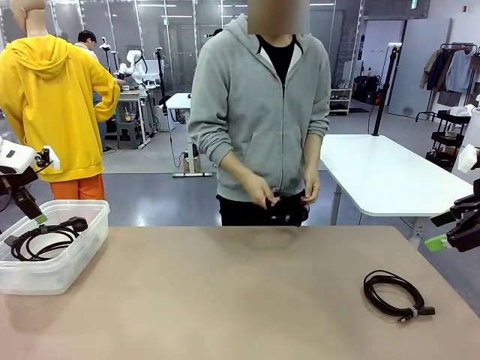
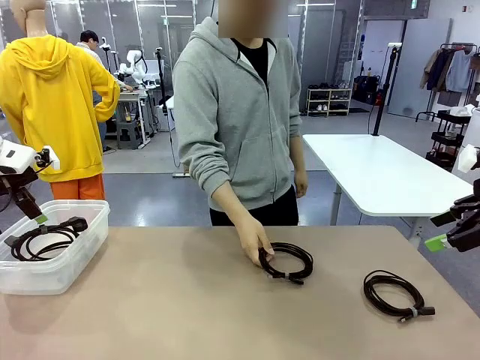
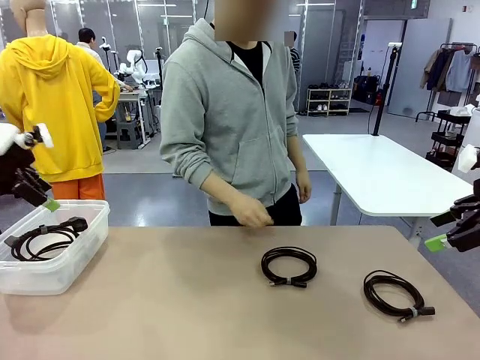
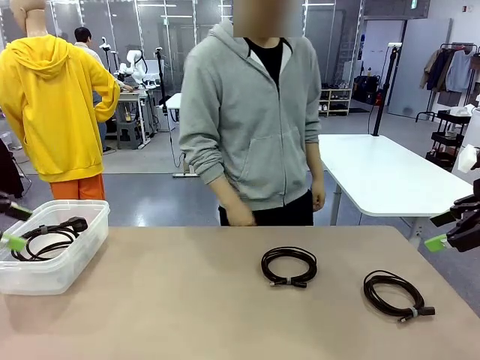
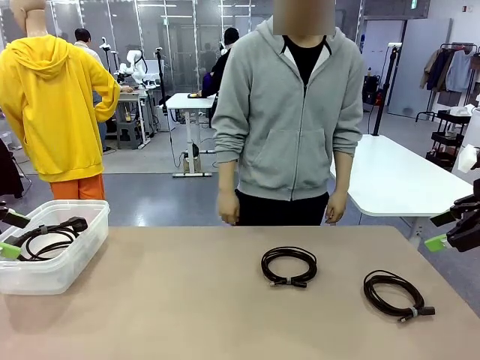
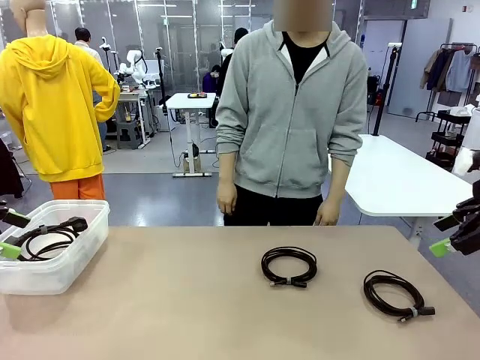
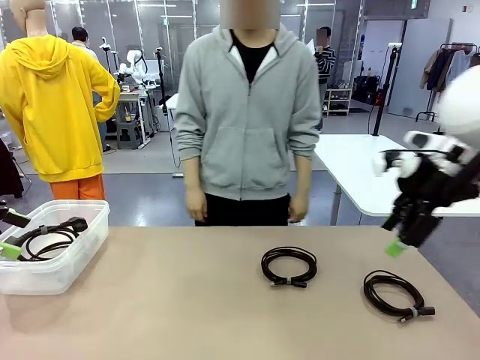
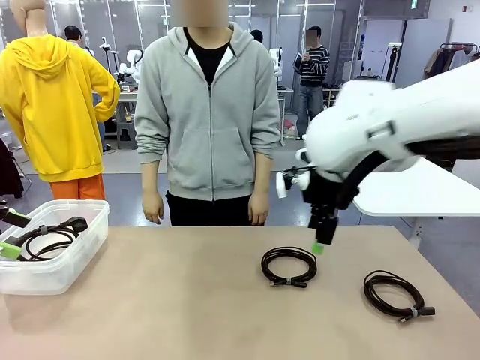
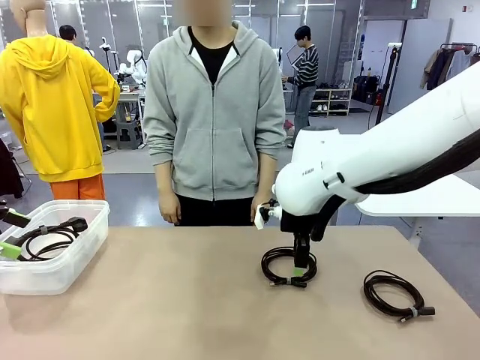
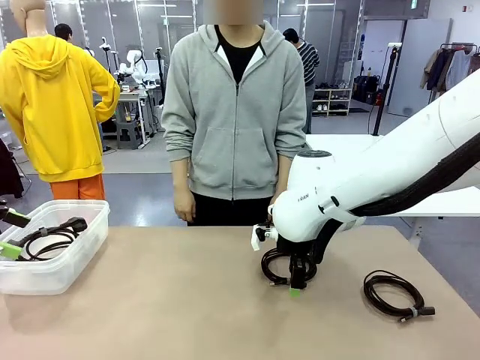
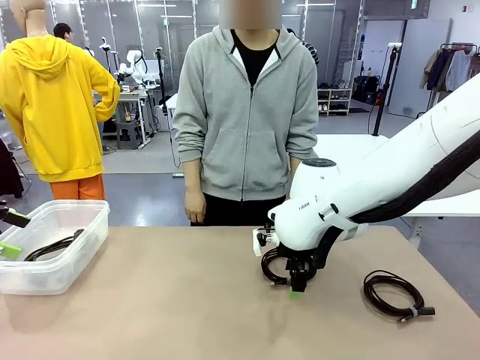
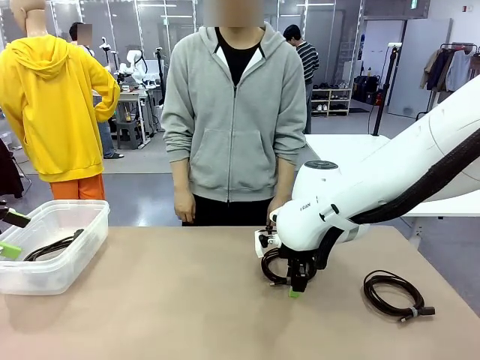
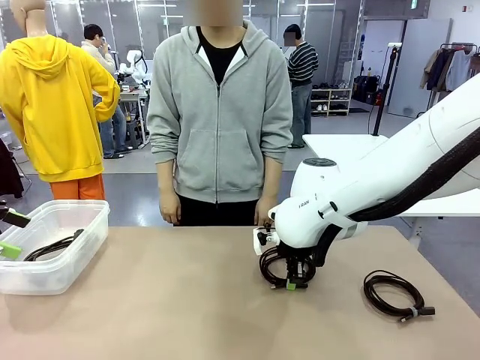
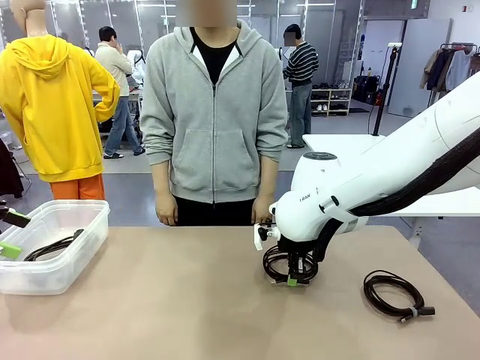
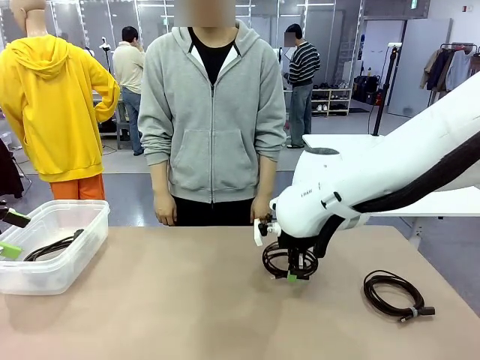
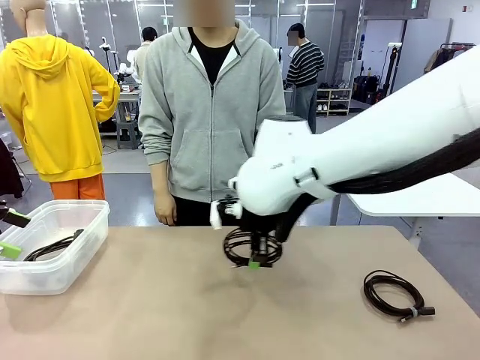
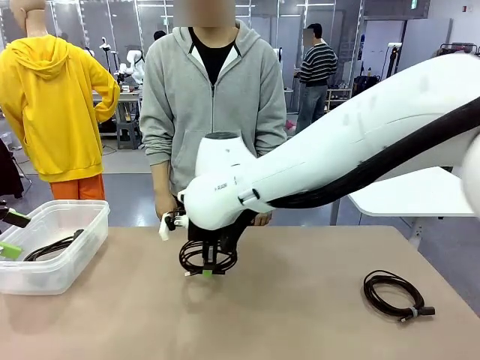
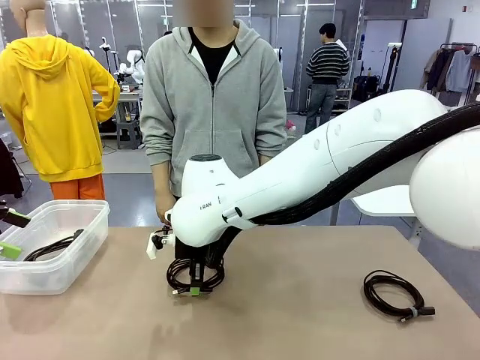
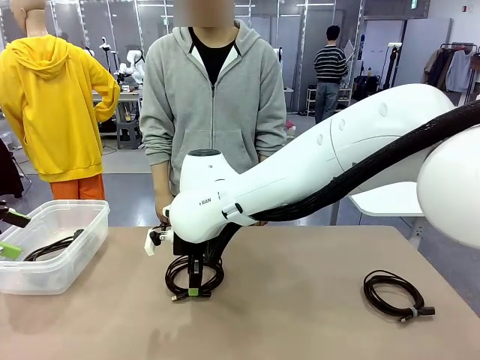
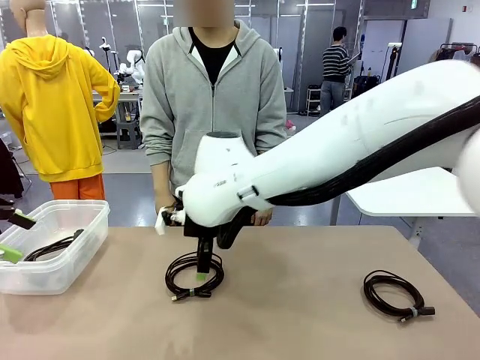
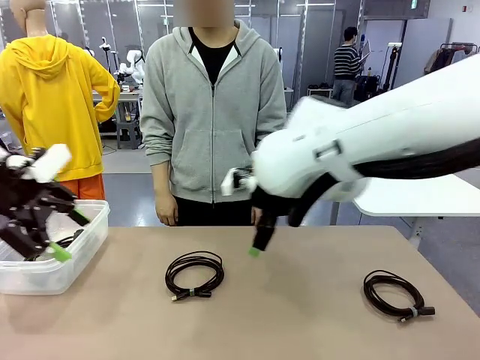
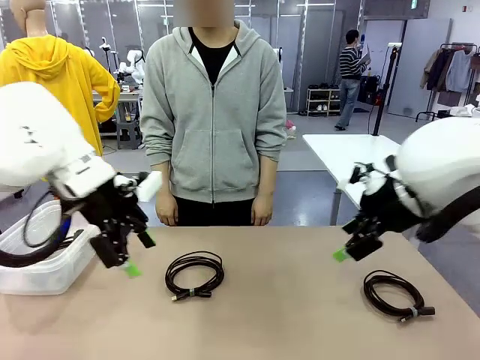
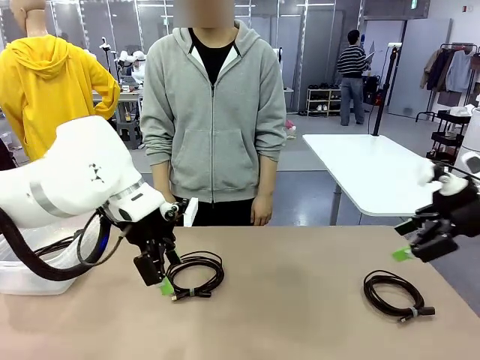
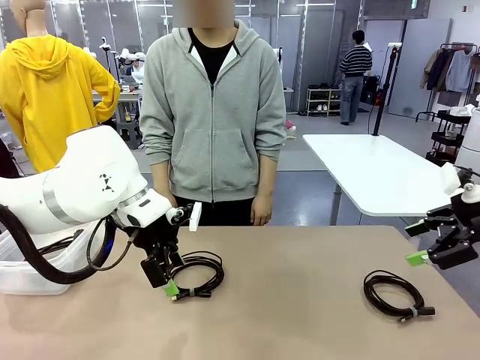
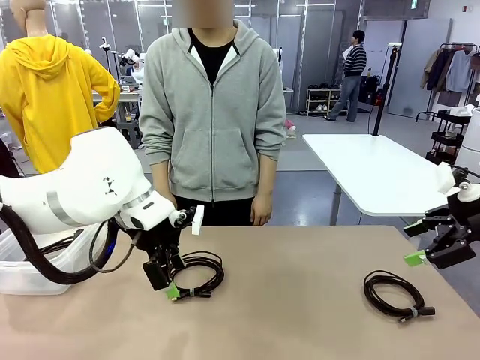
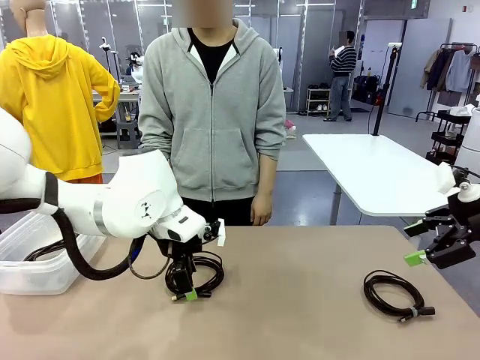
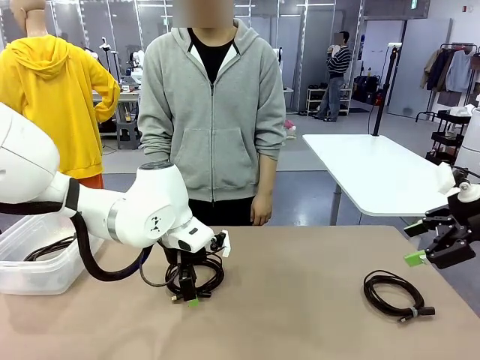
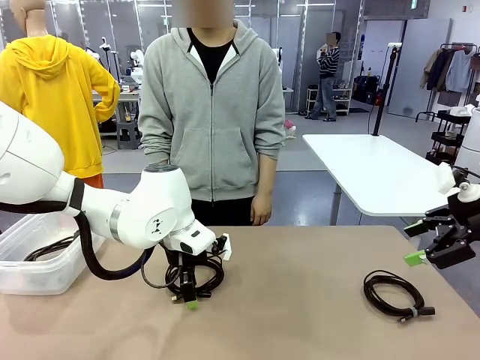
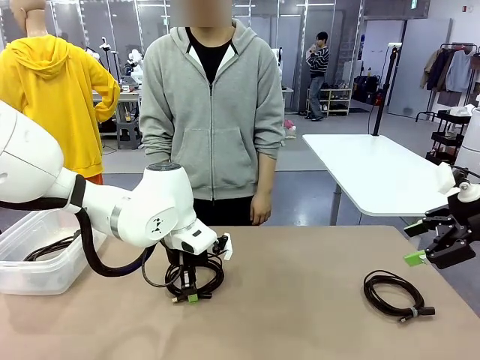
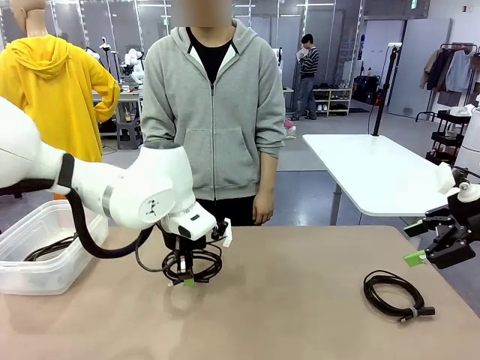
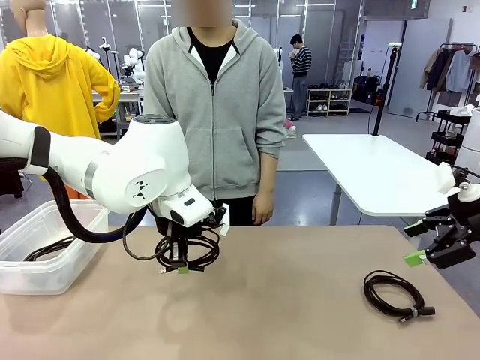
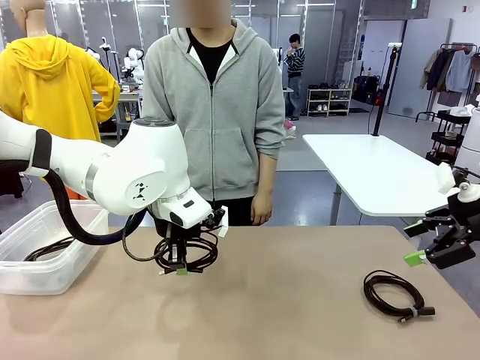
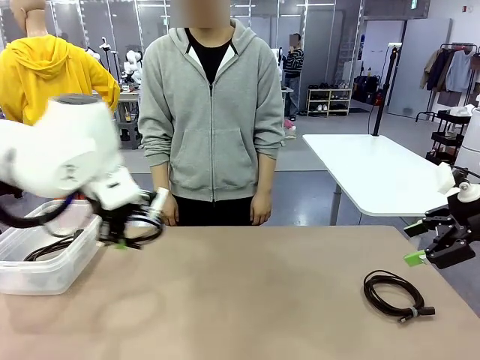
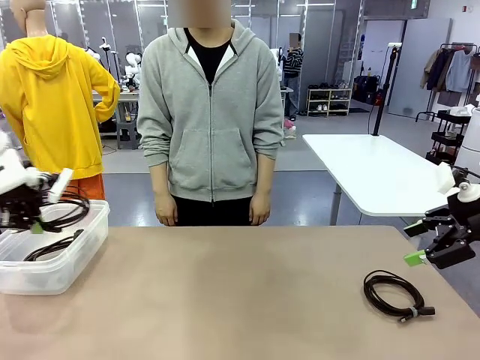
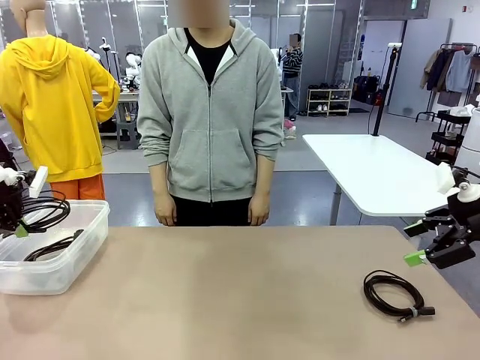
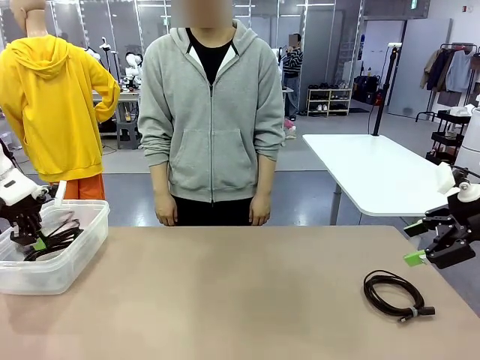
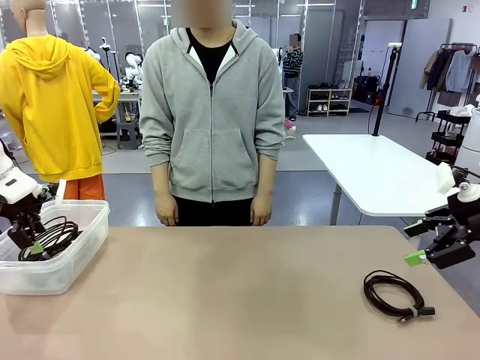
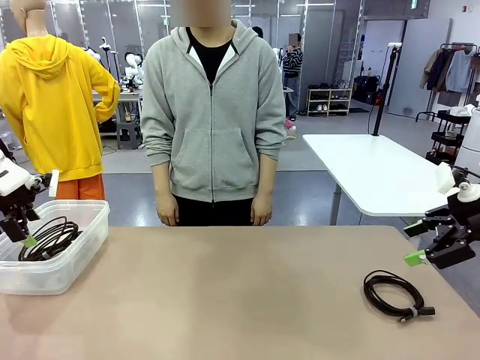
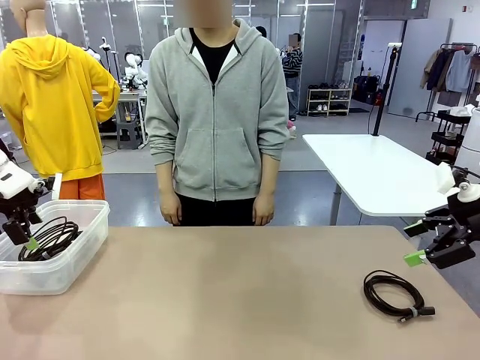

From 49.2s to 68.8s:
Task: Organize and store the cables.
Robot: Place the USB Extension Cable into the Organizing box.

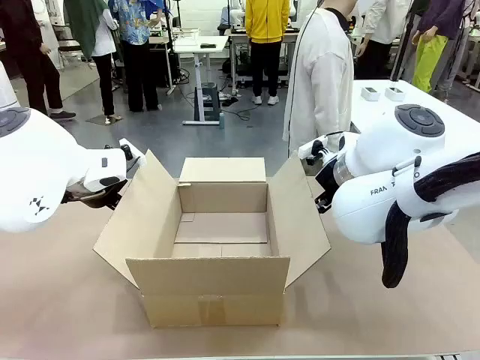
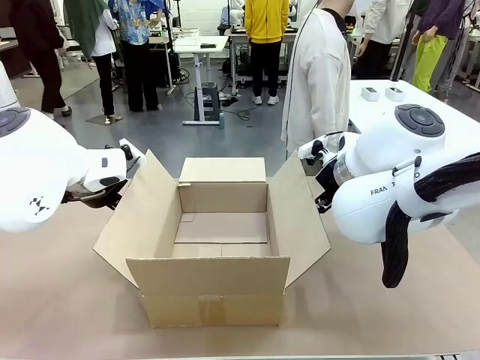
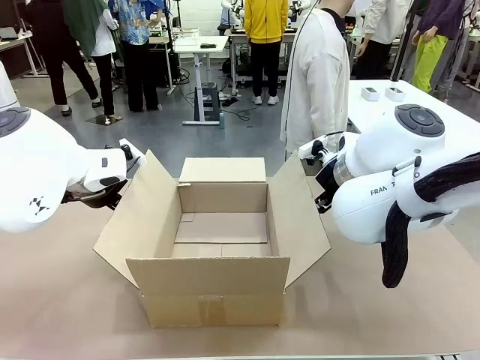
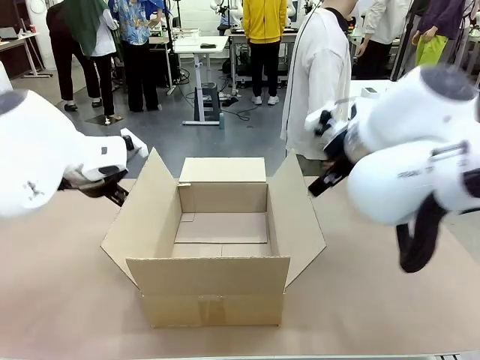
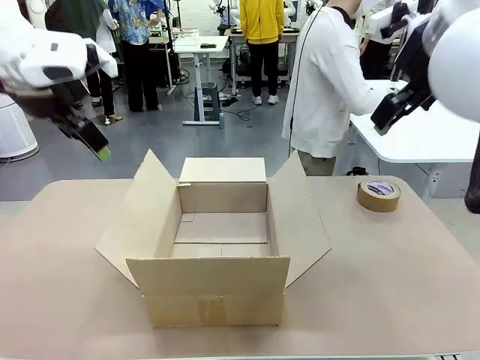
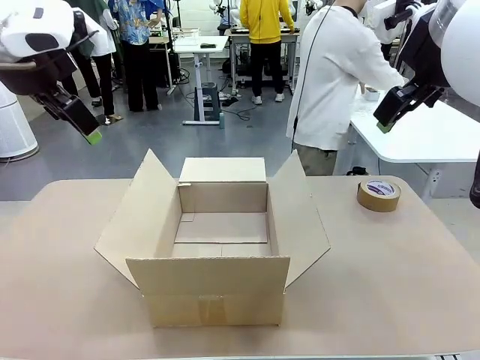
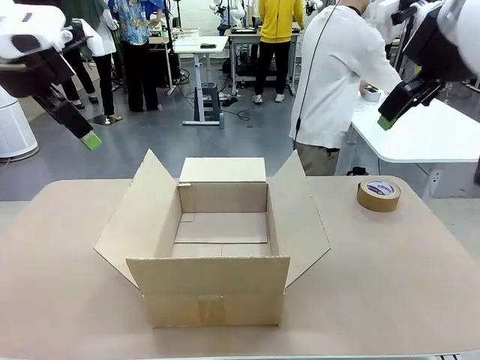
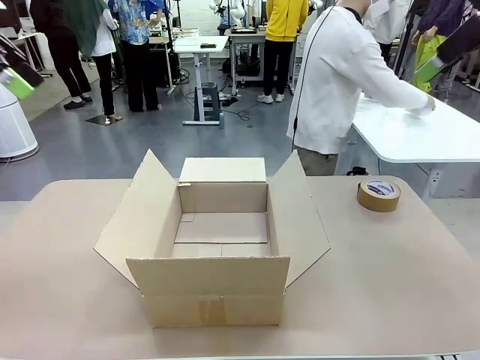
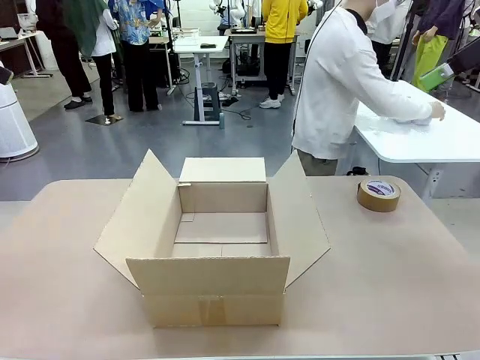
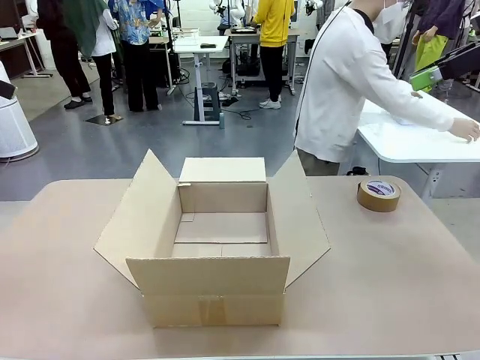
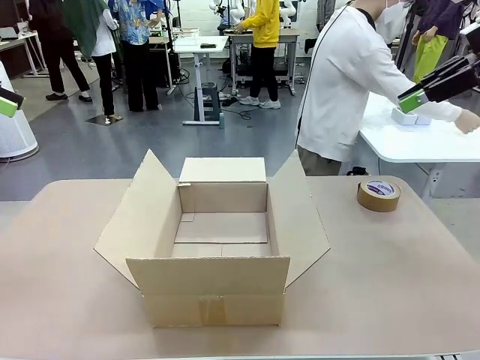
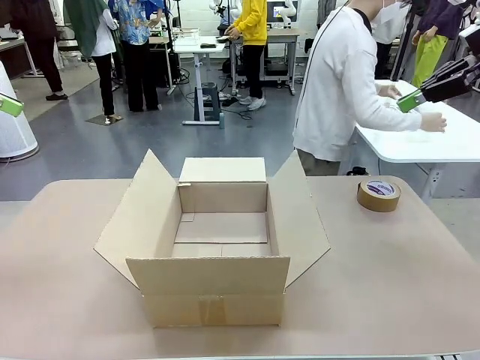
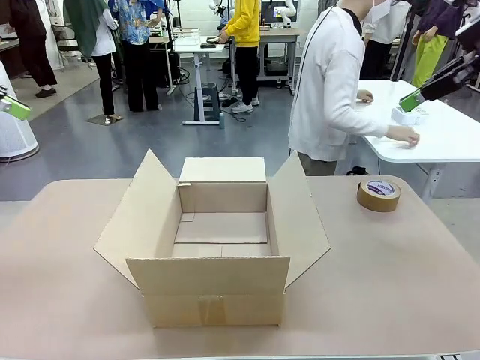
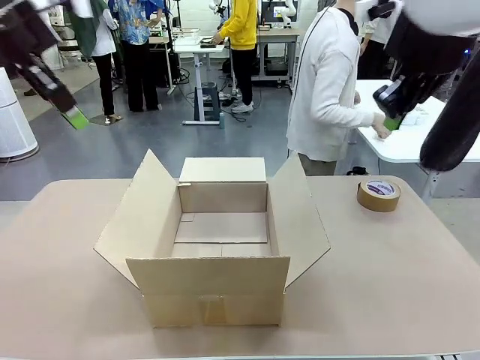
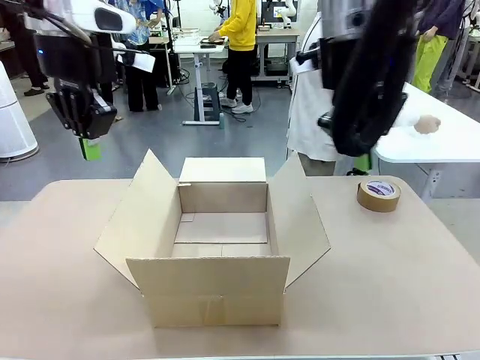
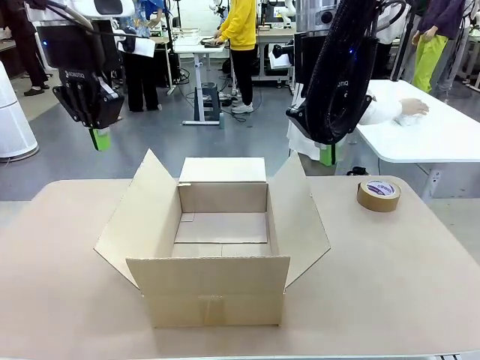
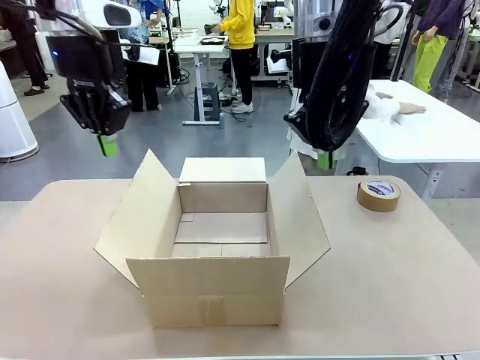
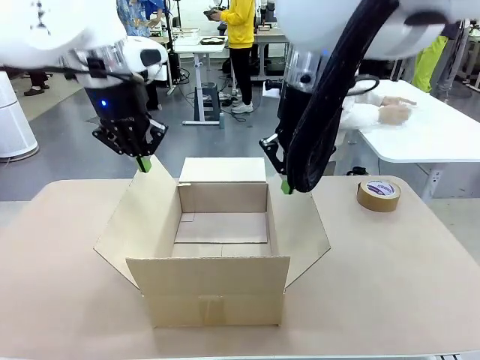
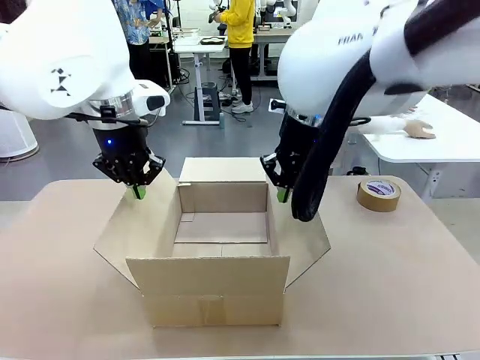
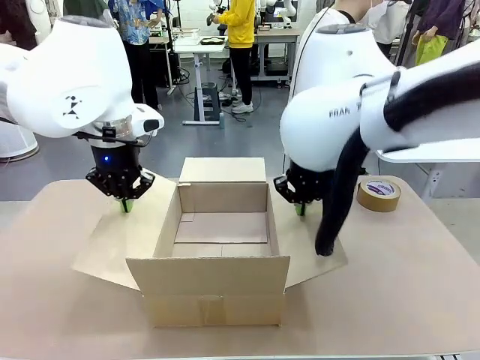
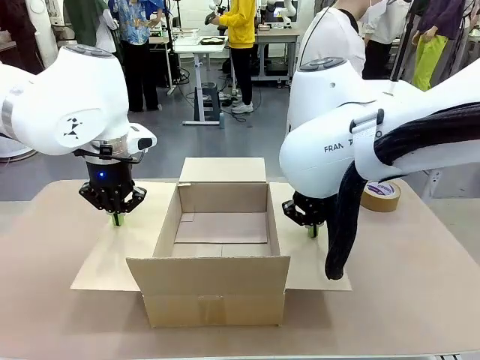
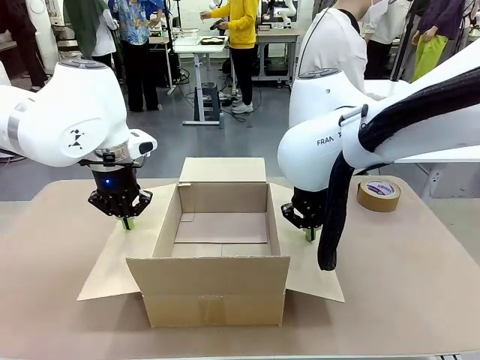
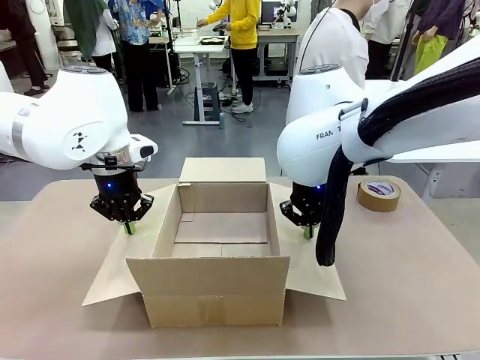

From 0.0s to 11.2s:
Task: Wrap the clocks to prevent damage.
Robot: Open the side flaps of the Package Box.
Person: Wrap the two Digital clocks with Bubble Wrap.
